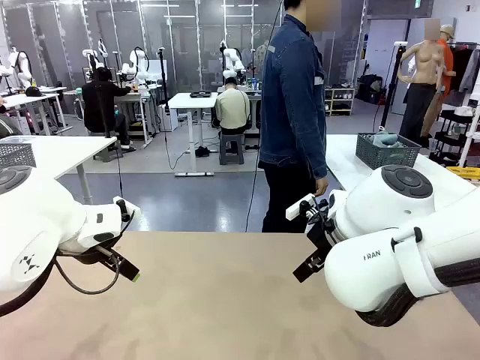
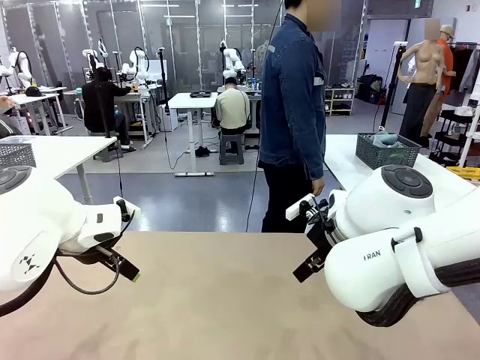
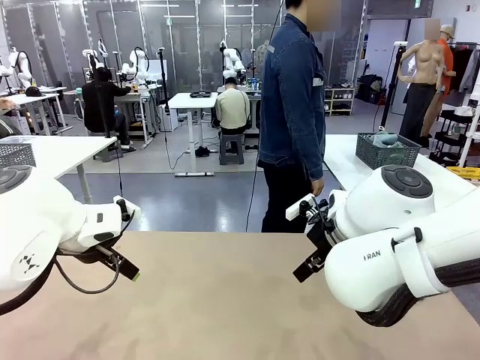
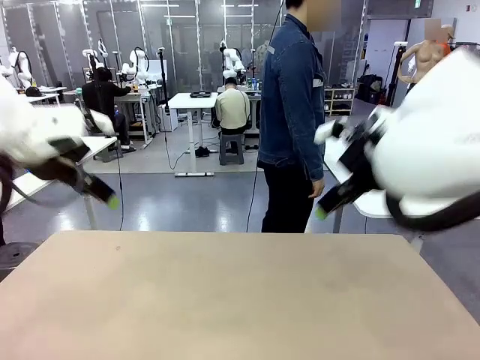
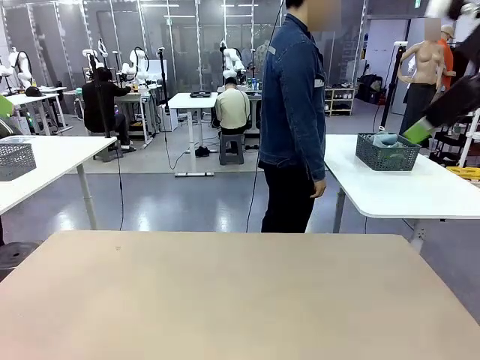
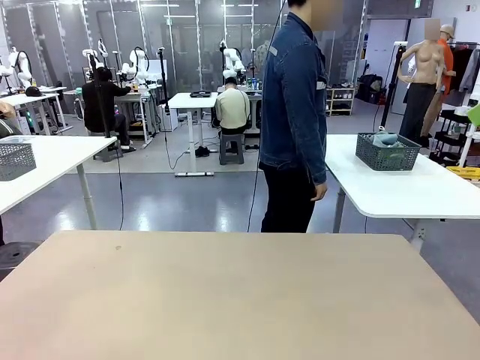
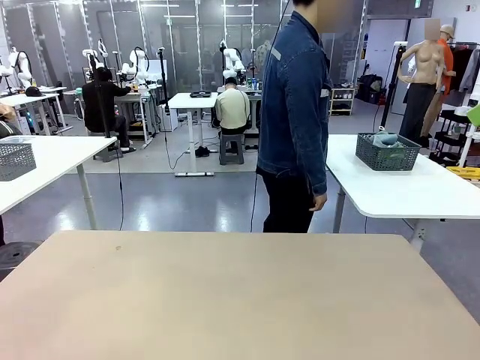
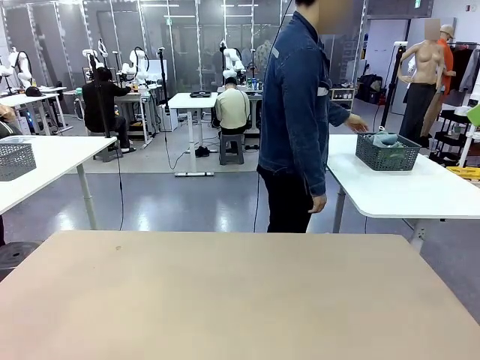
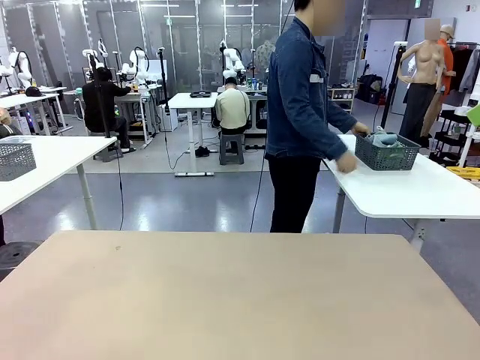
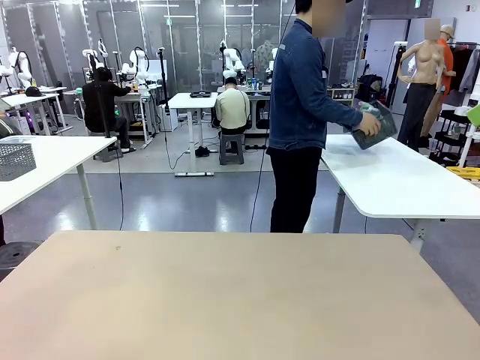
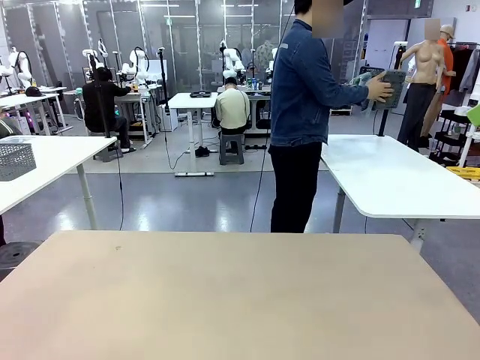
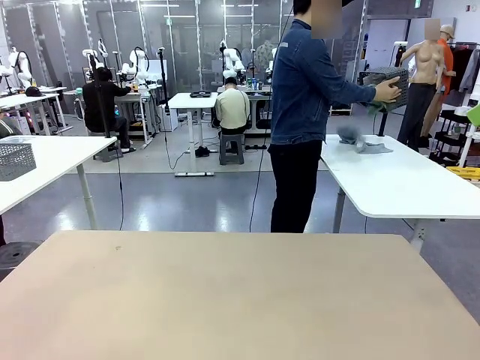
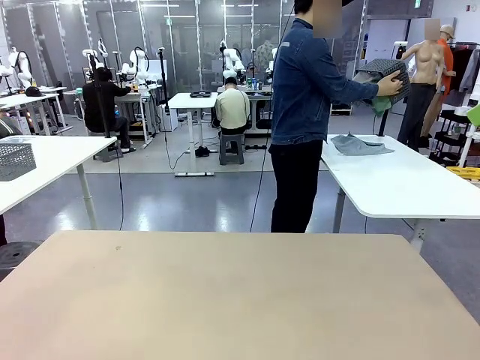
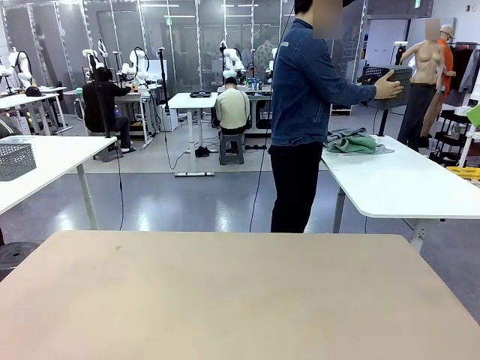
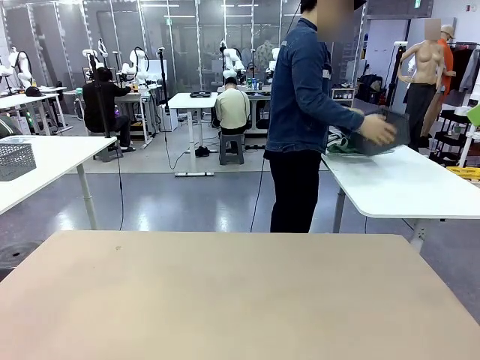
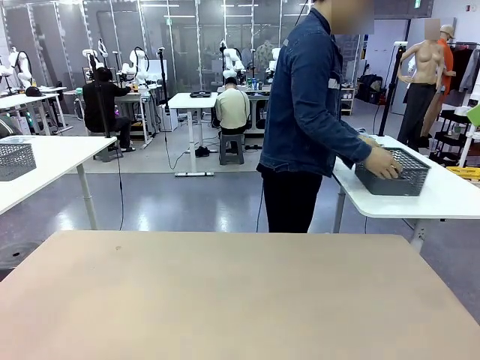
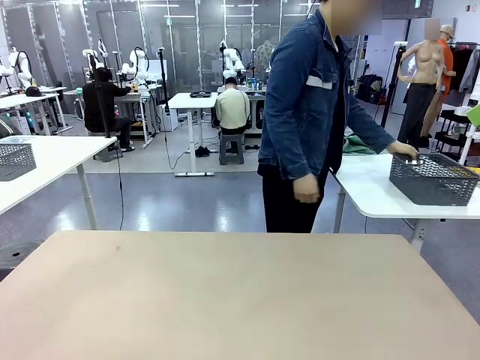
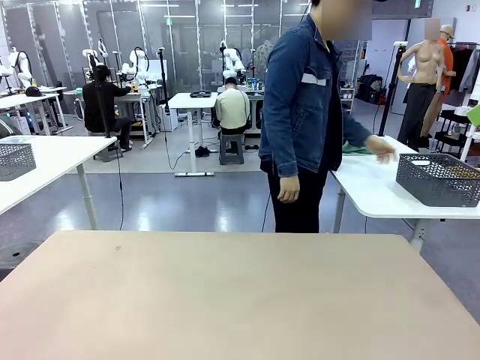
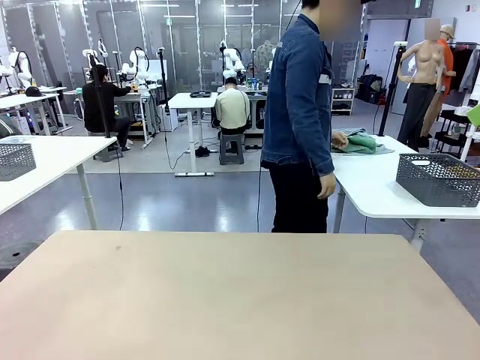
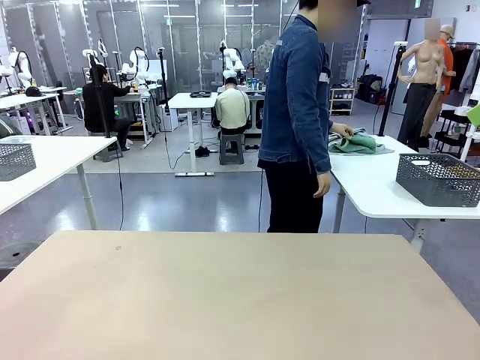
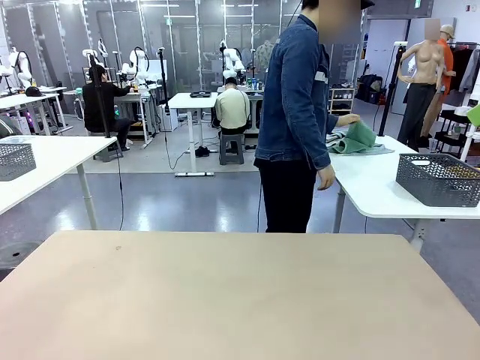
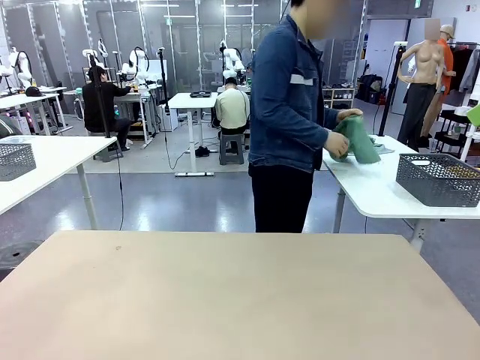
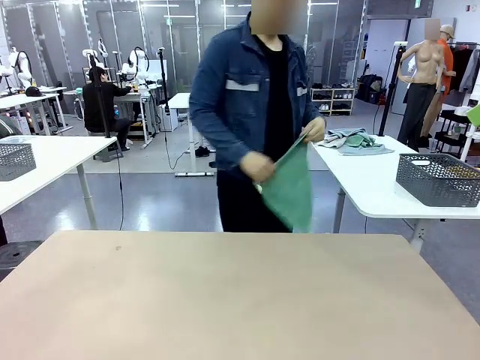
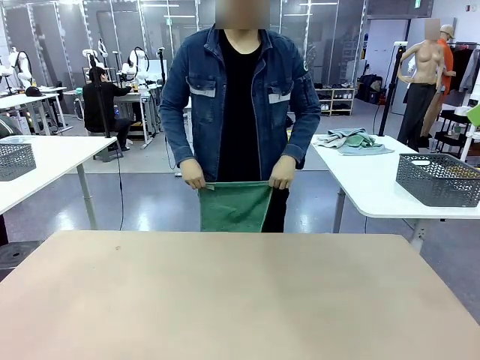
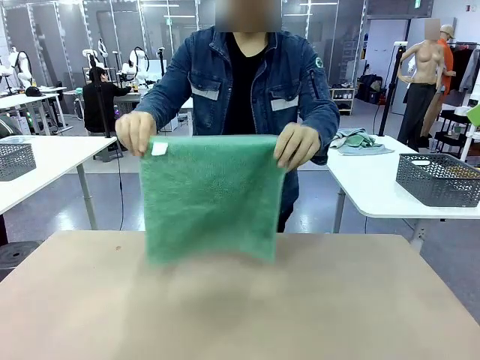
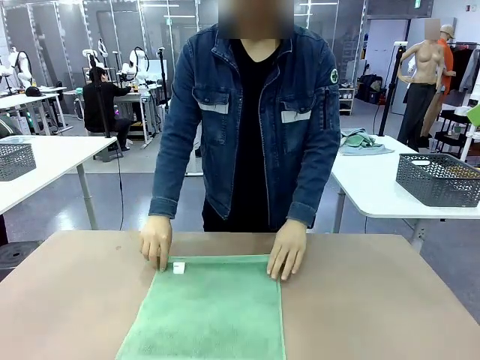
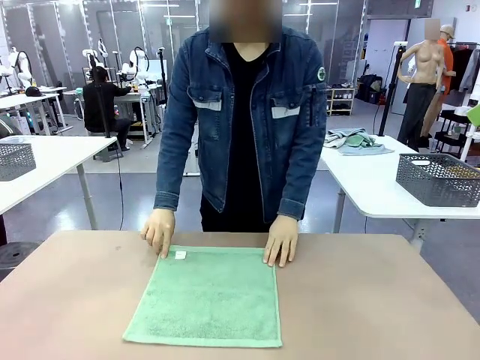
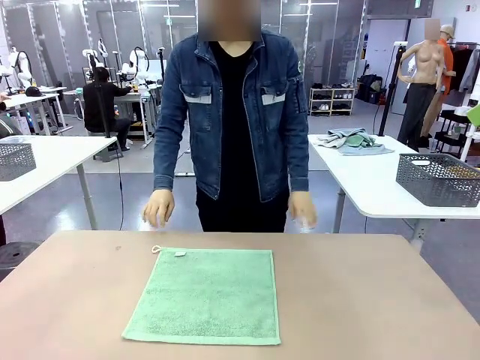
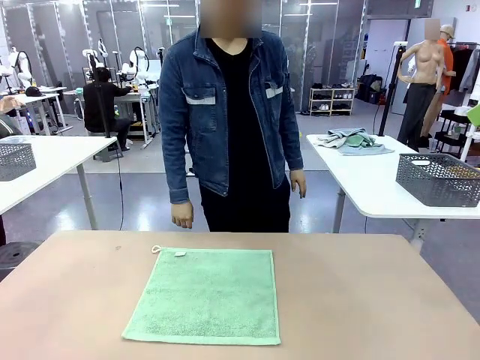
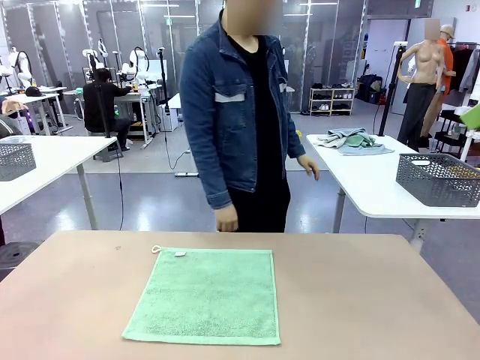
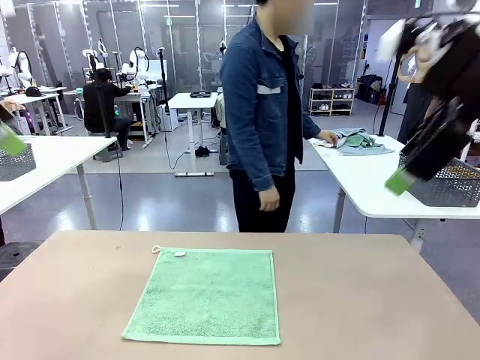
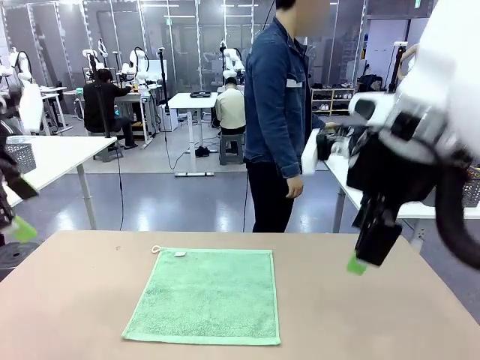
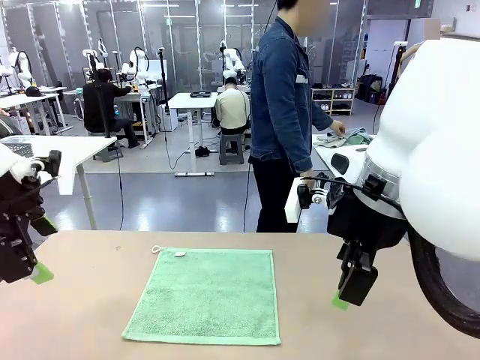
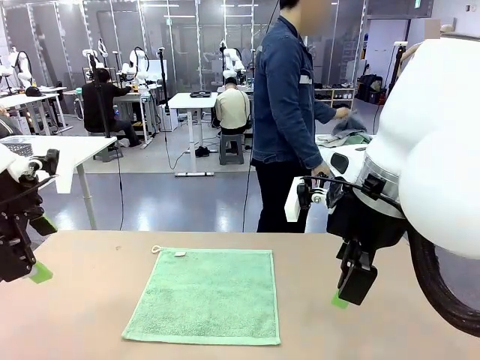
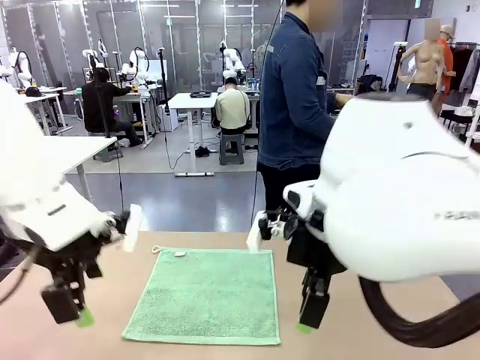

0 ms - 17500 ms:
Task: Fold the towels and place them in the basket.
Robot: When a person lays out a Towel with hook on the table, fold it in half twice.
Person: Pick up the basket, pour the towels onto the left side of the human table, and place the basket on the right side. Pick up one towel and spread it out at the center of the robot table.

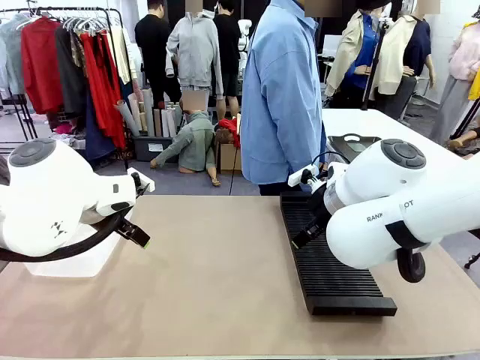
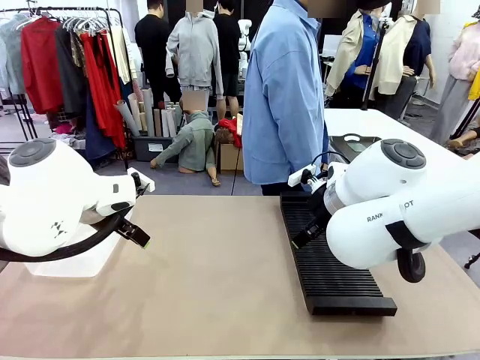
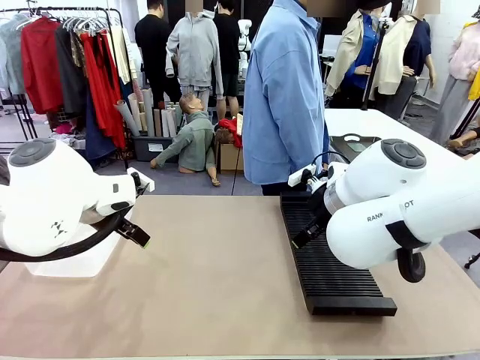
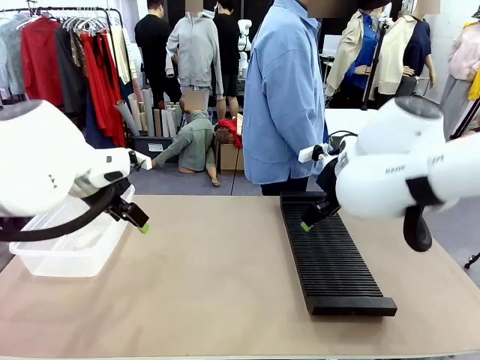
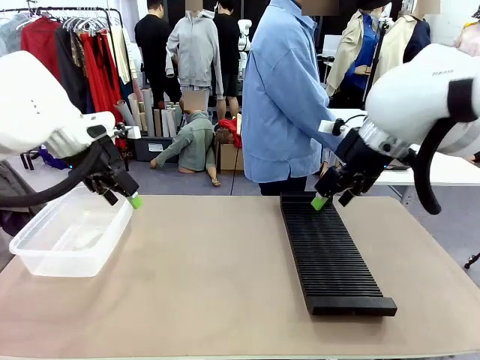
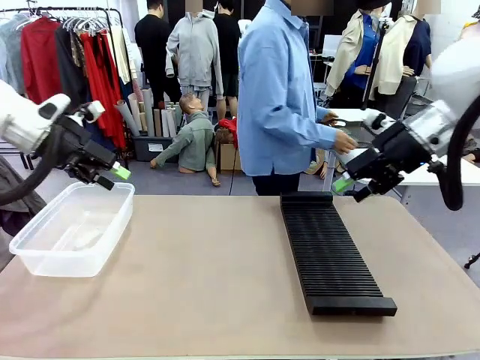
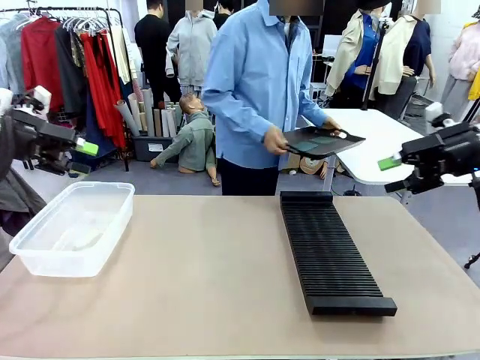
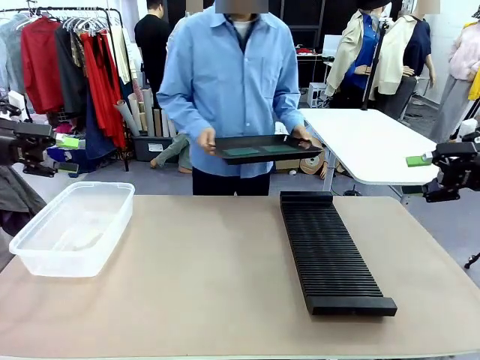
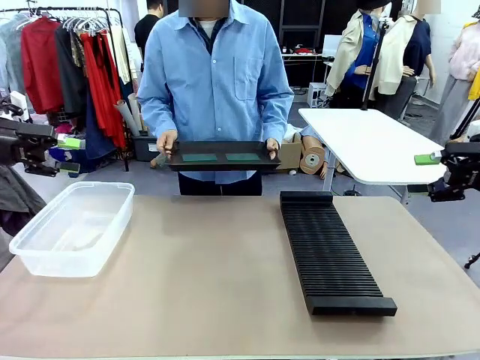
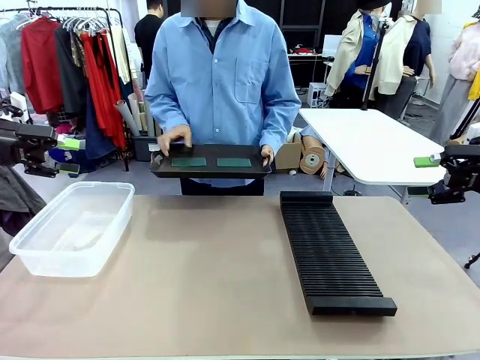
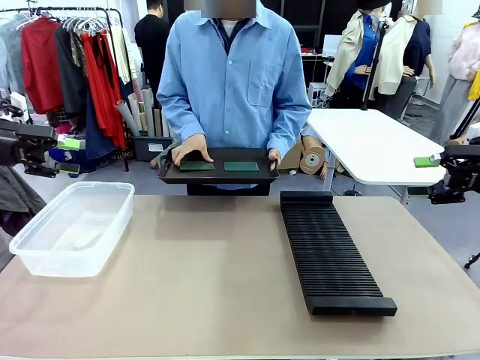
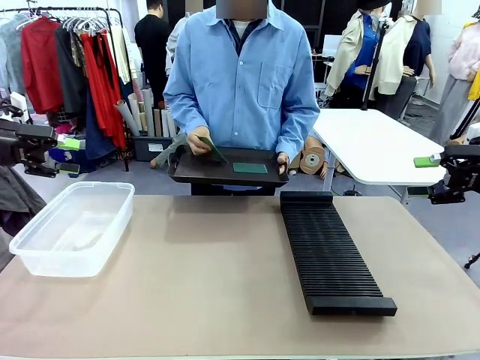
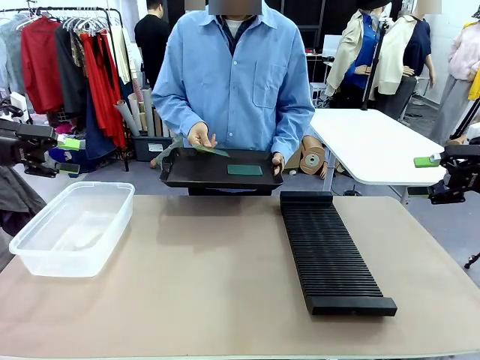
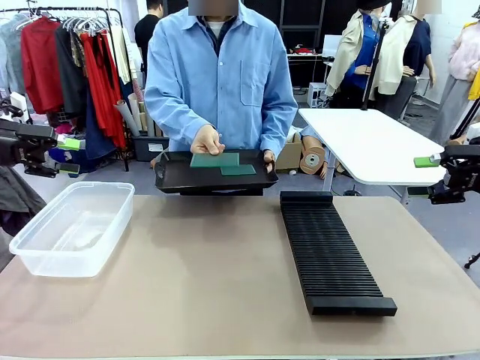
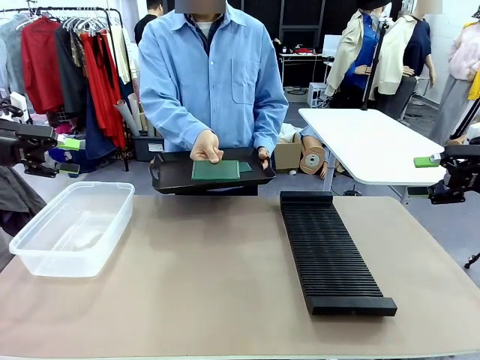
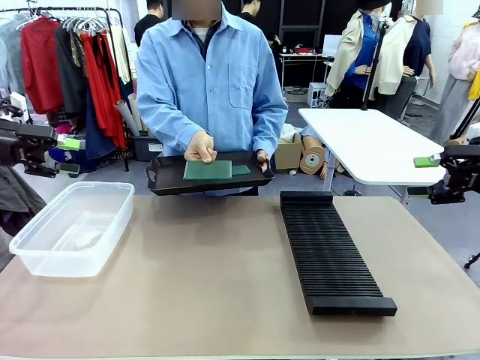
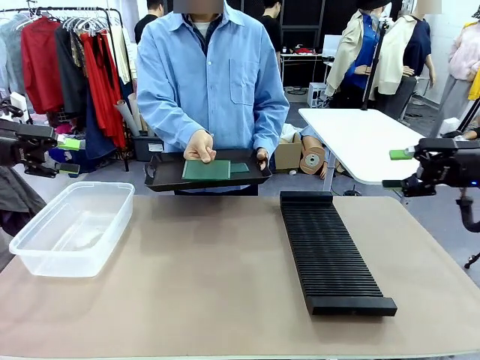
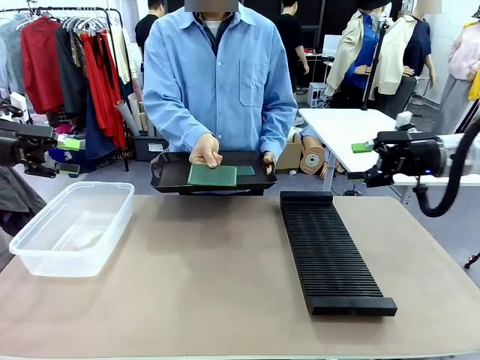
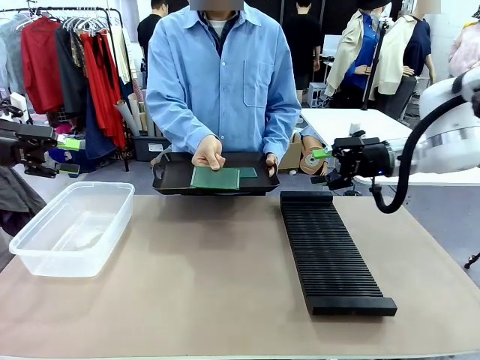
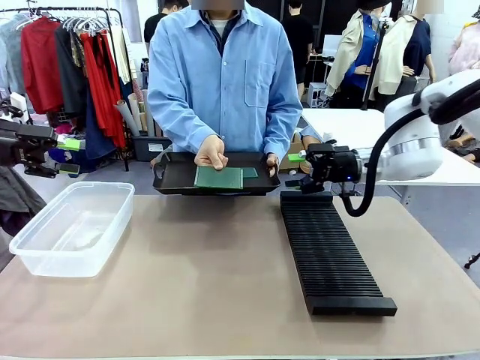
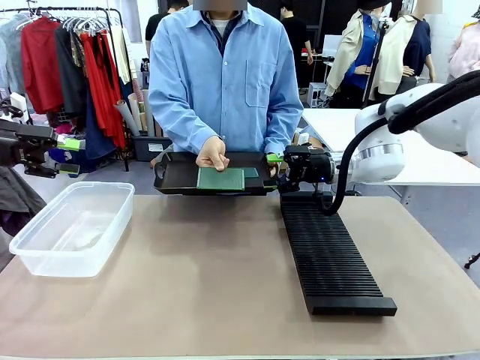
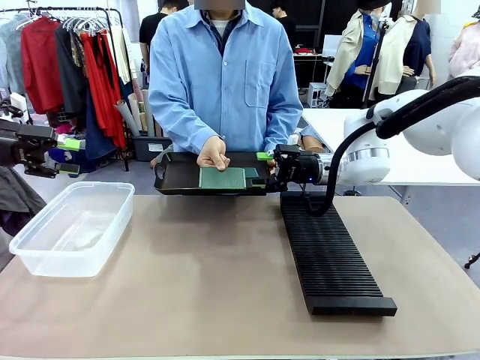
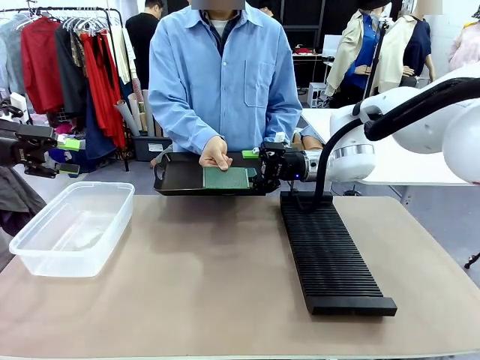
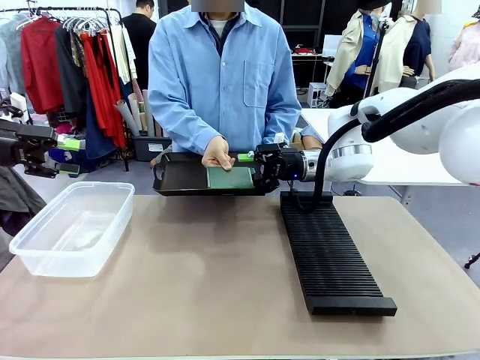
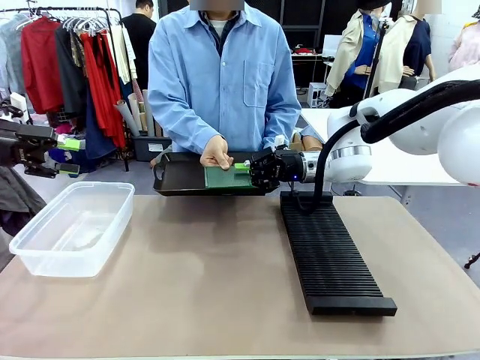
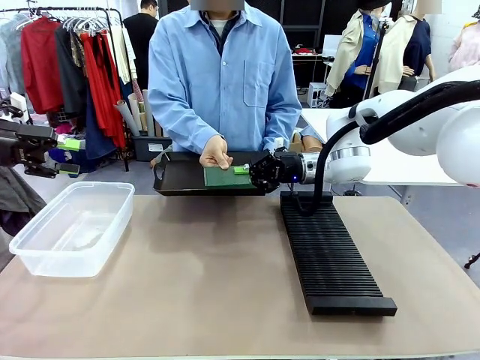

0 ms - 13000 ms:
Task: Sort PCBs into racks and boxes based on the side picked up.
Robot: Pick up the Blank PCB handed by the Human.
Person: Pick one PCB from the tray and present it to the robot. Release the PCB being held.
